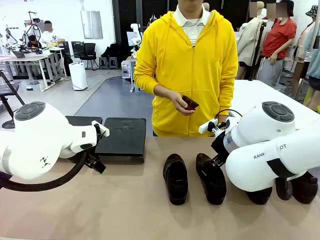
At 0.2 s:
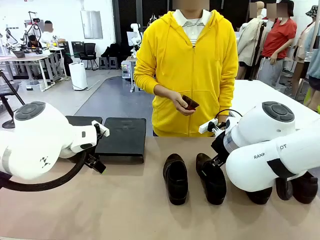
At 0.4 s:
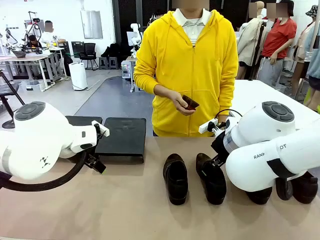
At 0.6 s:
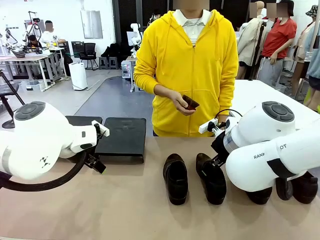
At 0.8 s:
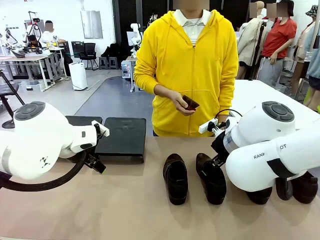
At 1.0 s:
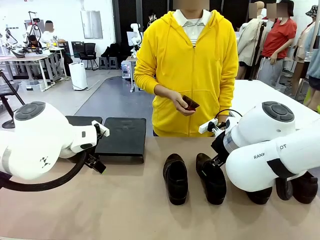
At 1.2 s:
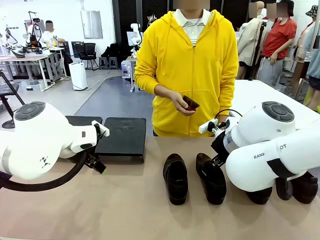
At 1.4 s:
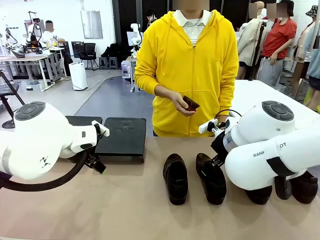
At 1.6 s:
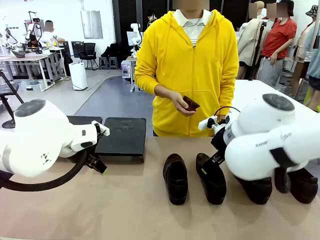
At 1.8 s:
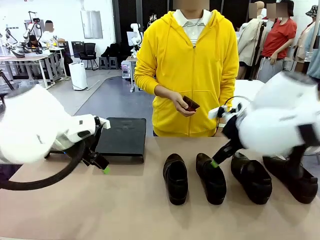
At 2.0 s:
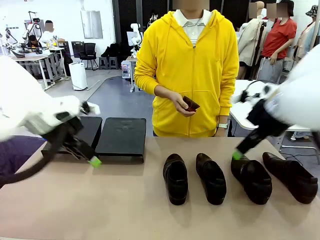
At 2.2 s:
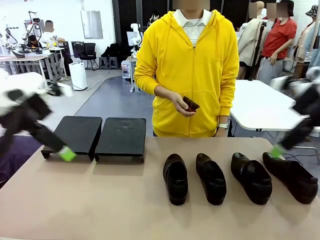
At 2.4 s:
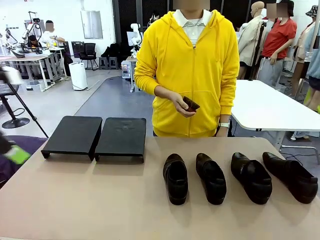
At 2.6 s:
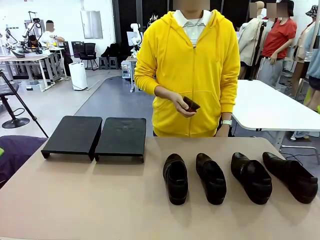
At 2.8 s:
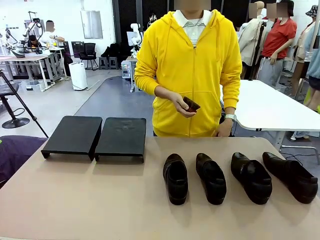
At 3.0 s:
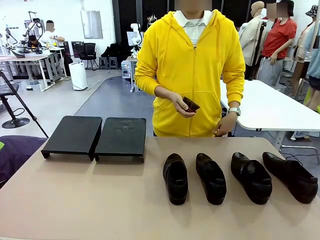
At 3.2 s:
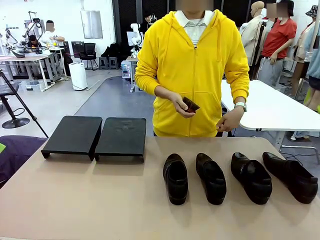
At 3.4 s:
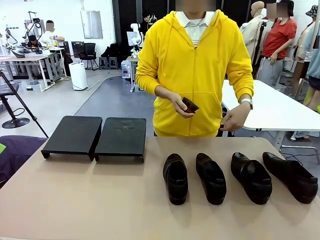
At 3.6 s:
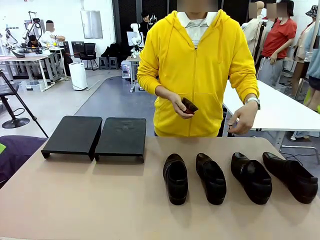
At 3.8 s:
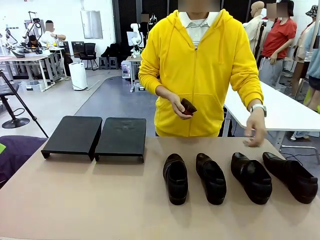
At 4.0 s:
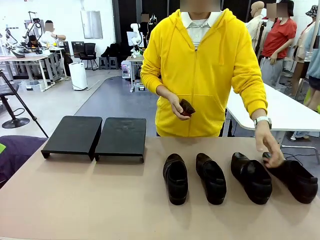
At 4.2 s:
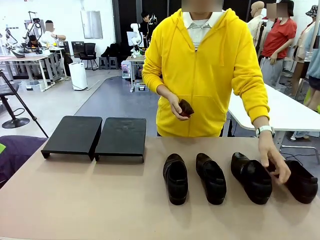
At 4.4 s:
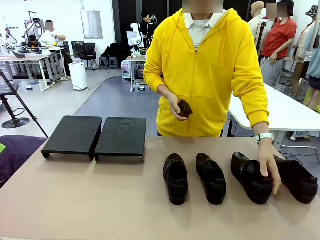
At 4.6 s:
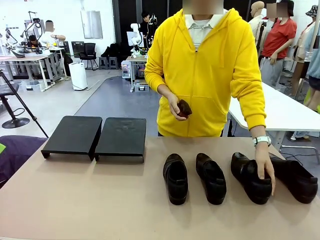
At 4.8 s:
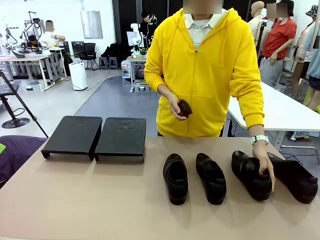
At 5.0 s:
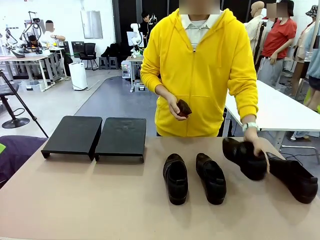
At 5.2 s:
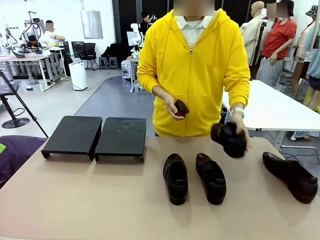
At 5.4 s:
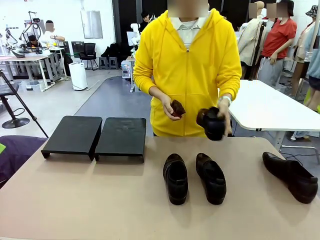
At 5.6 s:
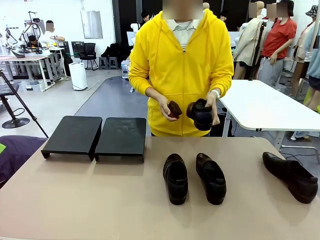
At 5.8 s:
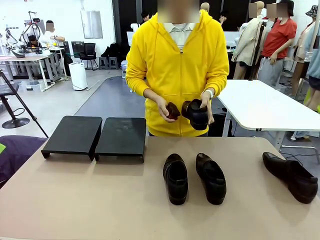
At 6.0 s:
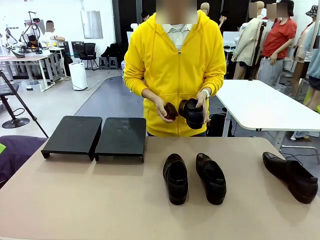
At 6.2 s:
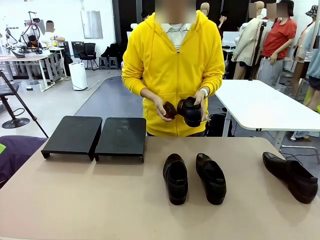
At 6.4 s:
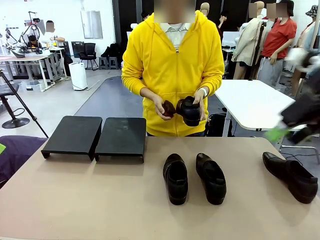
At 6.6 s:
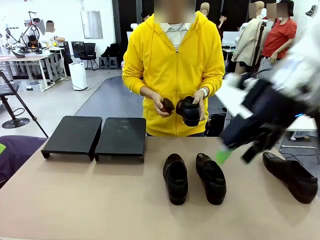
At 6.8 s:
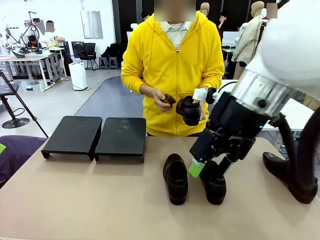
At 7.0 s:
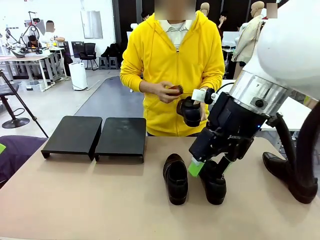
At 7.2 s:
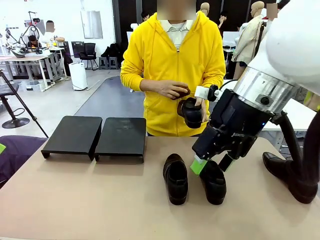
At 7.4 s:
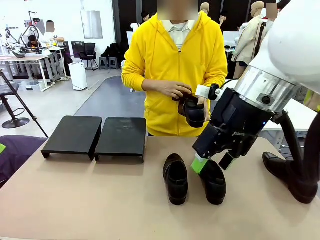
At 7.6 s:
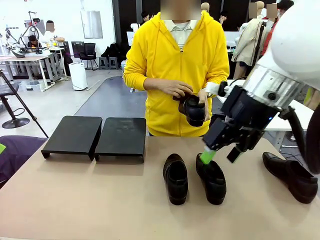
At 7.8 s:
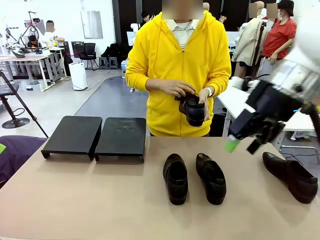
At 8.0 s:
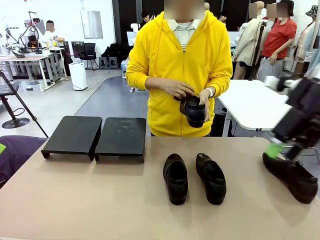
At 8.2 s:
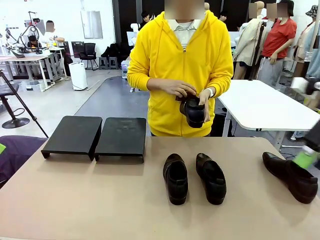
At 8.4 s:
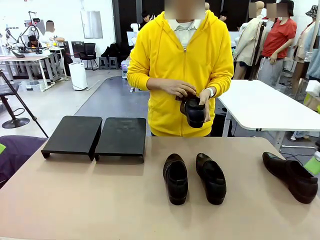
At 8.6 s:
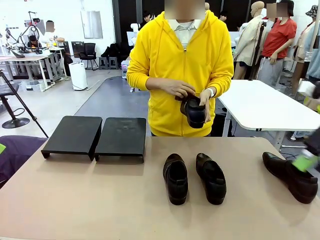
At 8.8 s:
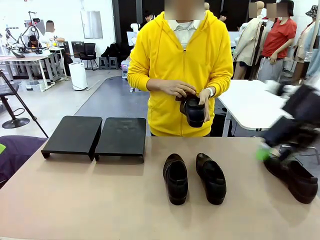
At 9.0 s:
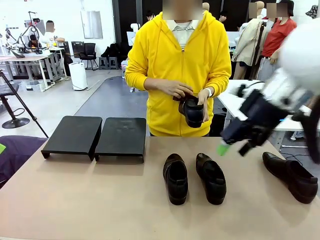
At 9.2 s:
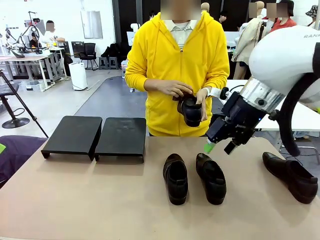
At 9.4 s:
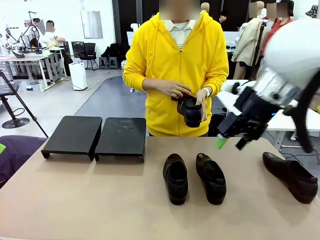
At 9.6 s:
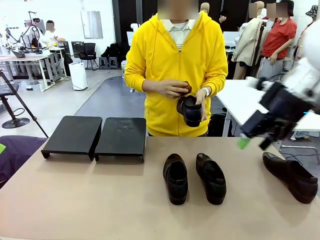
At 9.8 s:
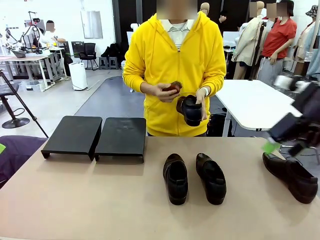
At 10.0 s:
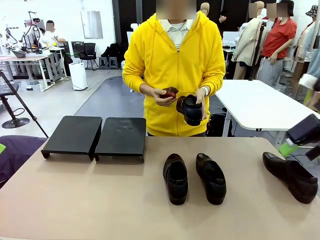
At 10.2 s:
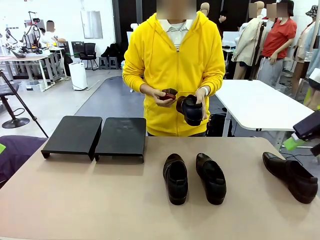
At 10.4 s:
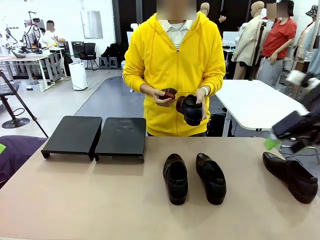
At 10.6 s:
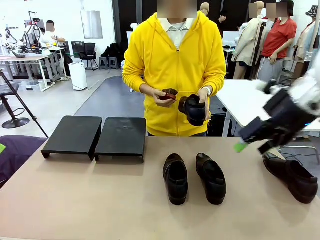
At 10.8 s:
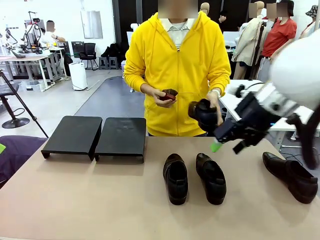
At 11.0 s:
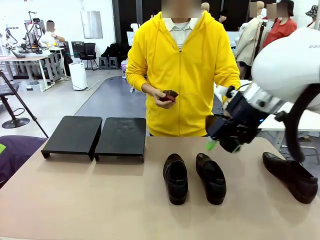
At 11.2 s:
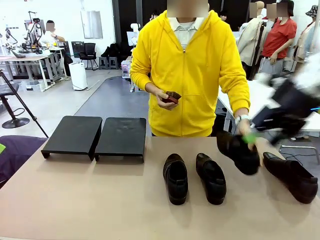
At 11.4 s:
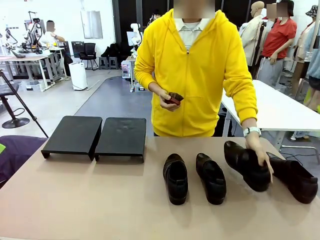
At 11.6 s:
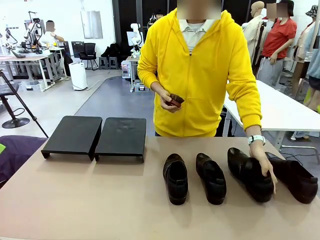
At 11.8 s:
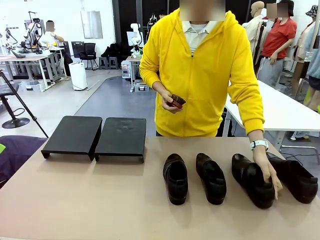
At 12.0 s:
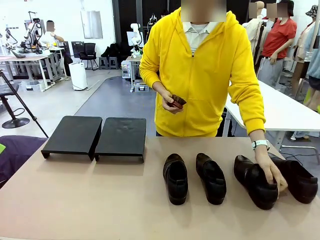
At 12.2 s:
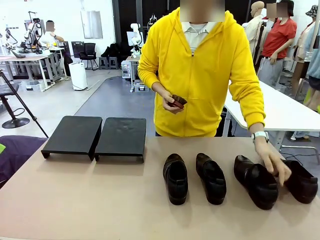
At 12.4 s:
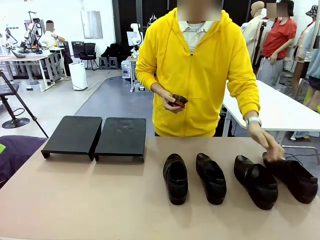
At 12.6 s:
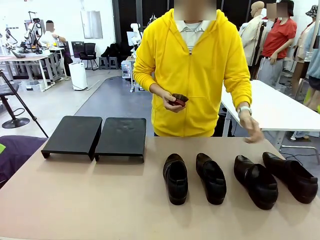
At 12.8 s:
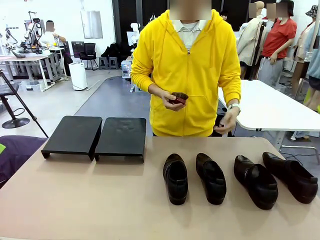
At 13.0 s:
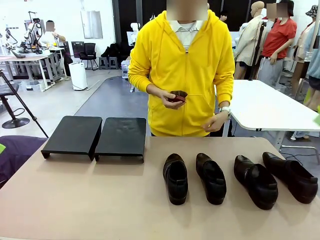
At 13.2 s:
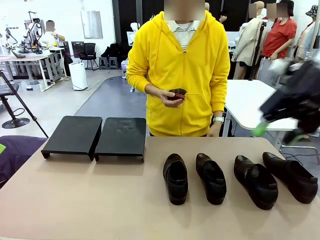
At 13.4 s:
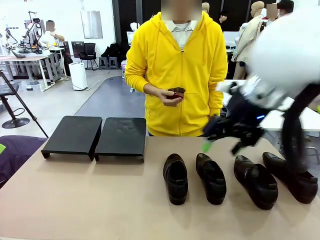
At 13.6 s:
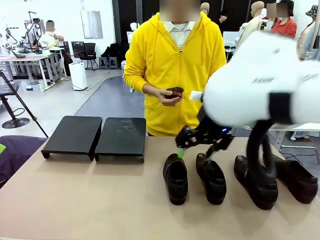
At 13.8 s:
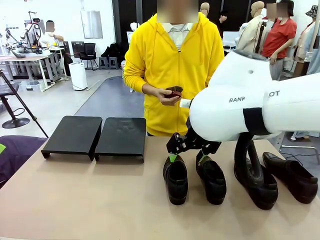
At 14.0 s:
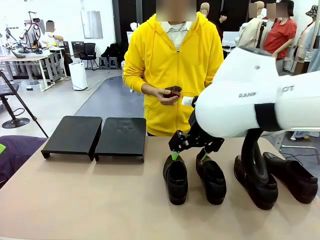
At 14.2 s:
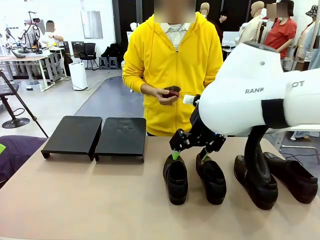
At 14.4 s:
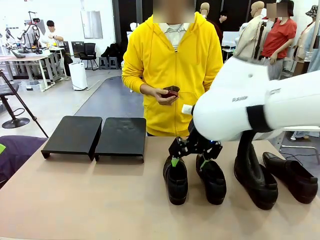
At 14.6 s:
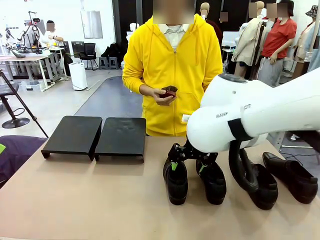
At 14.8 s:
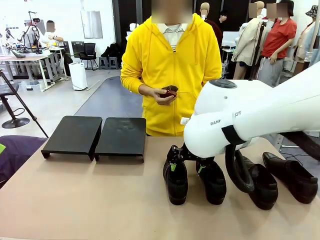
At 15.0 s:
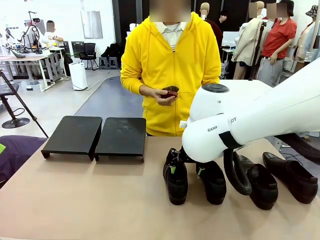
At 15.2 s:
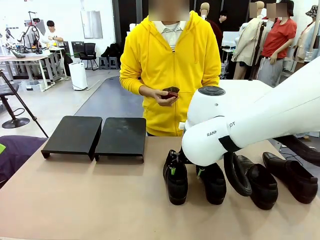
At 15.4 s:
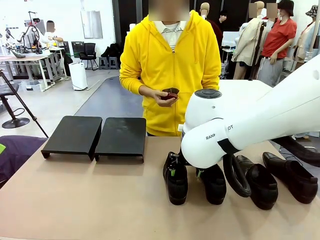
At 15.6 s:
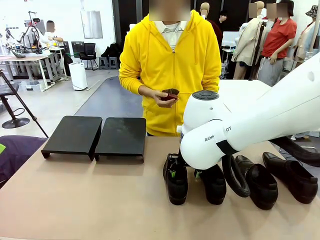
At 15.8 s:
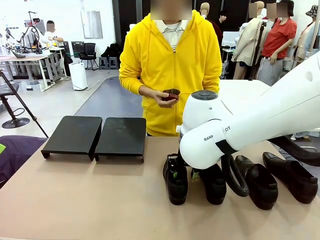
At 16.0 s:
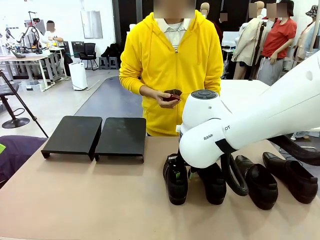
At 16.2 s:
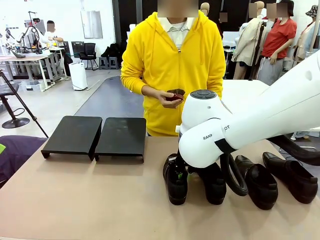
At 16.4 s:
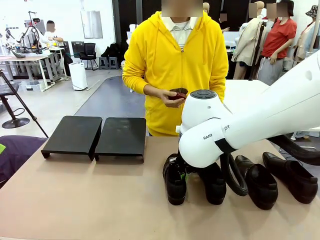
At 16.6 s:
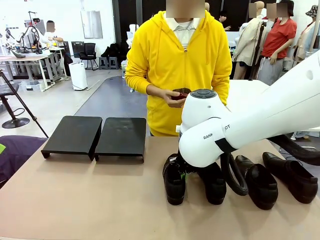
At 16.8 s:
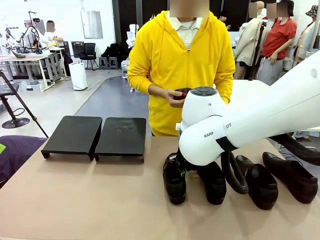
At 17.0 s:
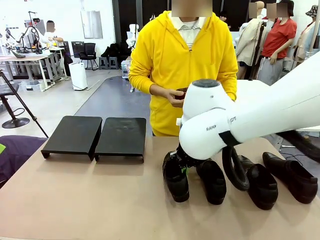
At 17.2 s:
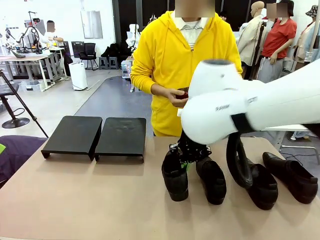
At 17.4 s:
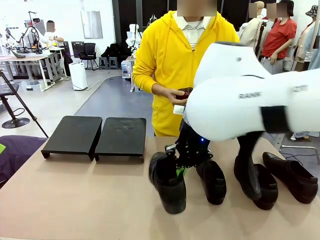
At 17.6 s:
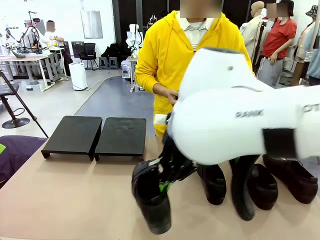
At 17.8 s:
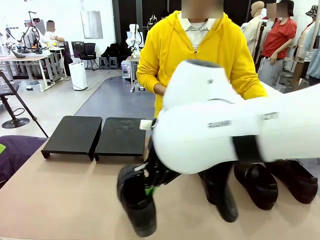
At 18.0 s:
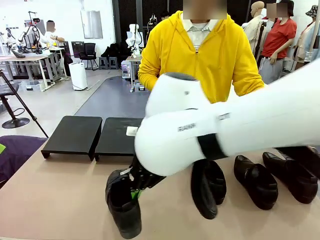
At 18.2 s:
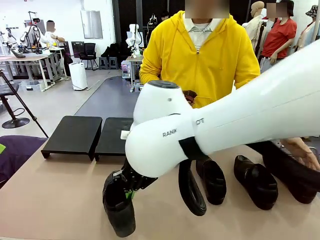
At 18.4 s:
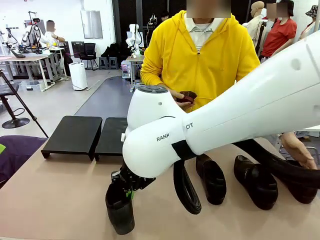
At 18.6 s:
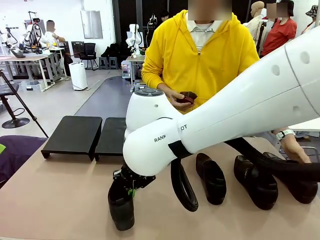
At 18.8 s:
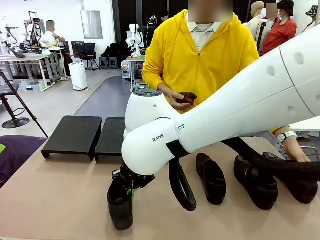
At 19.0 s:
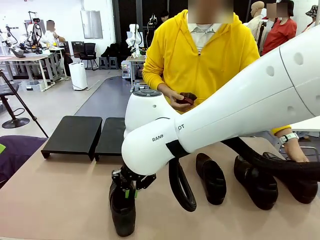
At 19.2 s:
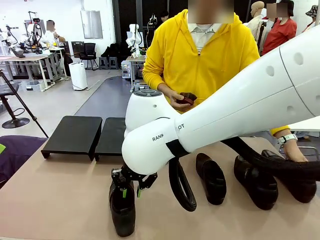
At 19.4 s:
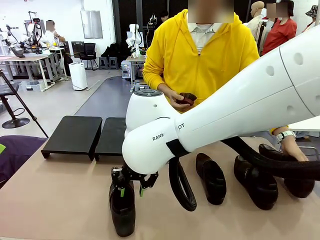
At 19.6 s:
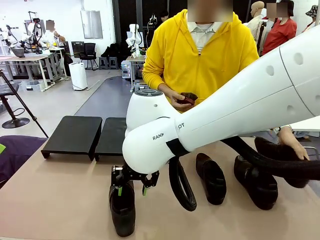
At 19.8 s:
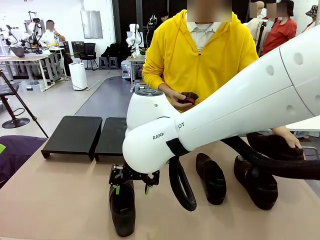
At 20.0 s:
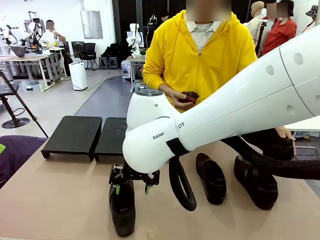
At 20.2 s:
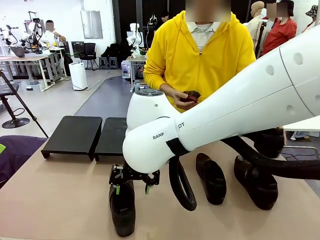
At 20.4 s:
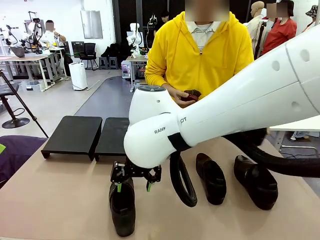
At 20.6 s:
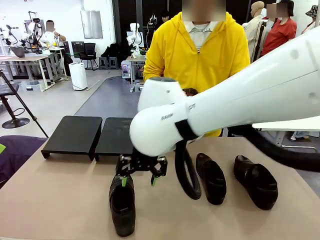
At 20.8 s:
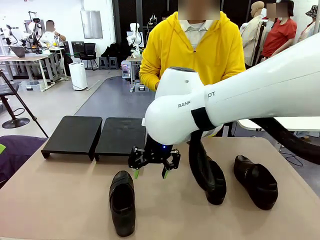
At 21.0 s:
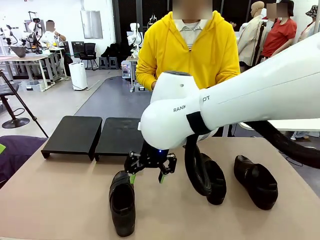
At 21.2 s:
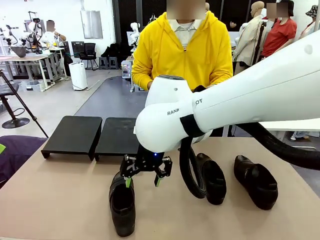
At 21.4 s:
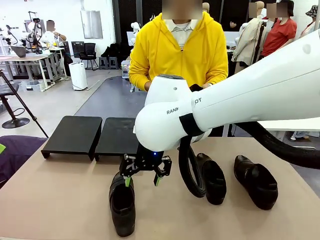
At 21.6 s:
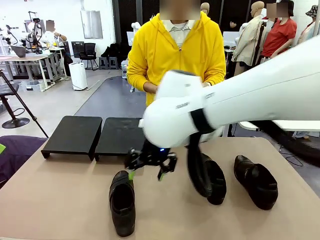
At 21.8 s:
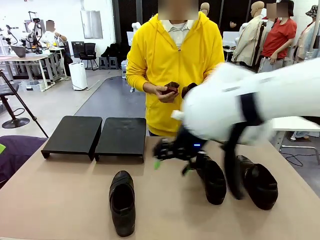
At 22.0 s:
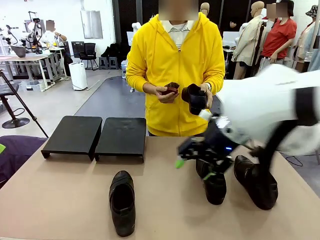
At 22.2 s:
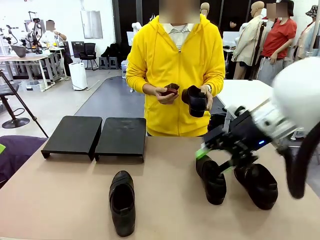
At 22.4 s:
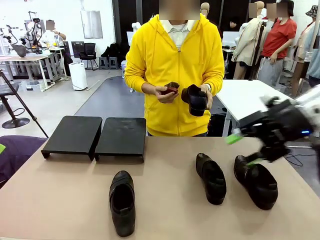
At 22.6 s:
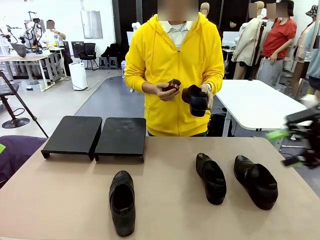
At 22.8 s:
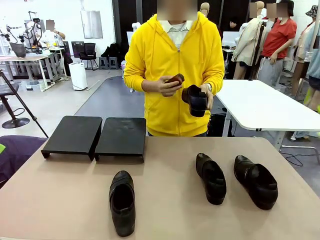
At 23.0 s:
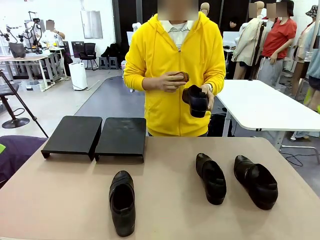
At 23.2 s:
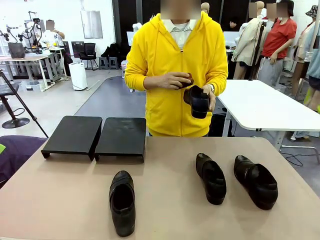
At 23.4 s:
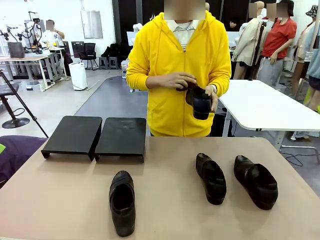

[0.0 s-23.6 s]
Task: Organize the shoes by placing them on the stand.
Robot: Pick up one Shoe and place it in the middle of the table.
Person: Pick one Shoe on Robot's table. Clean the Shoe with the Shoe Brush. Place the Shoe on left side of the Robot's table. Pick one Shoe on Robot's table.
